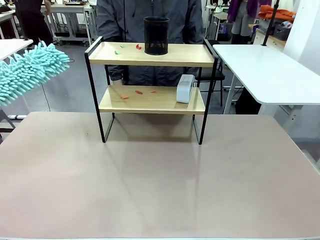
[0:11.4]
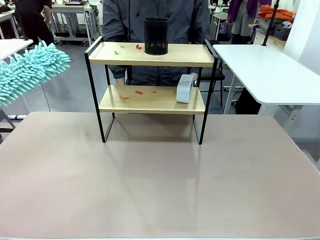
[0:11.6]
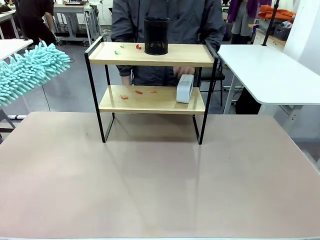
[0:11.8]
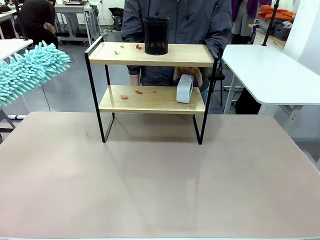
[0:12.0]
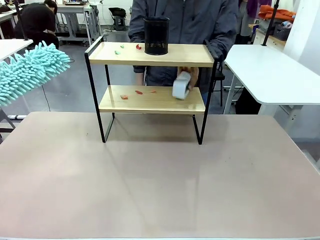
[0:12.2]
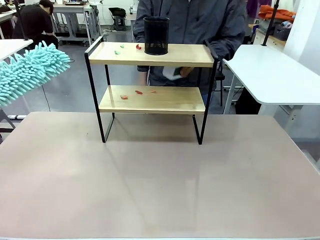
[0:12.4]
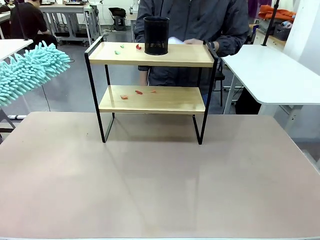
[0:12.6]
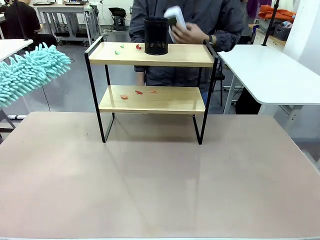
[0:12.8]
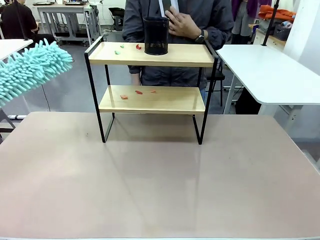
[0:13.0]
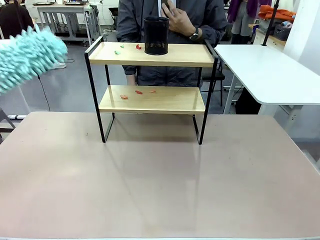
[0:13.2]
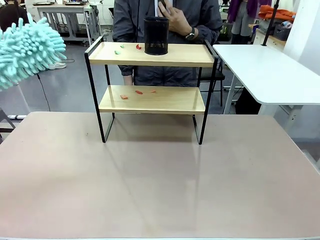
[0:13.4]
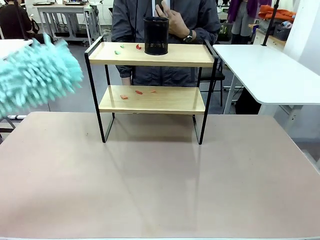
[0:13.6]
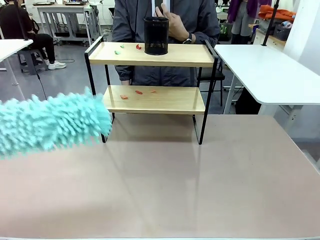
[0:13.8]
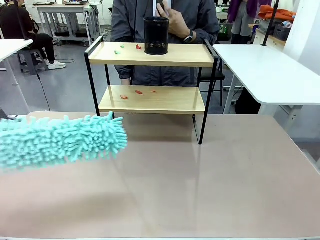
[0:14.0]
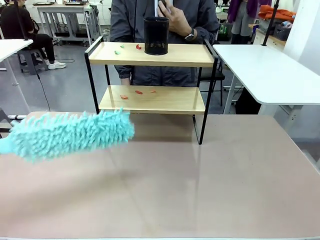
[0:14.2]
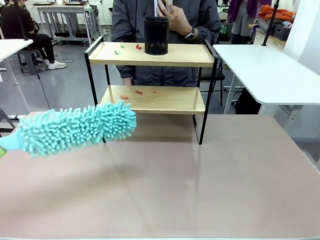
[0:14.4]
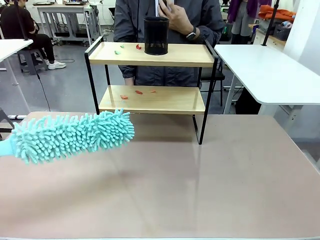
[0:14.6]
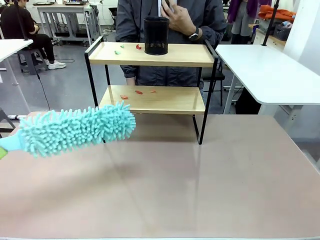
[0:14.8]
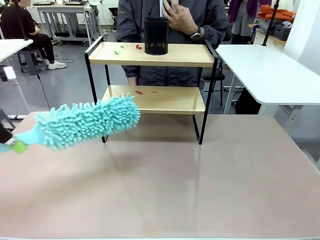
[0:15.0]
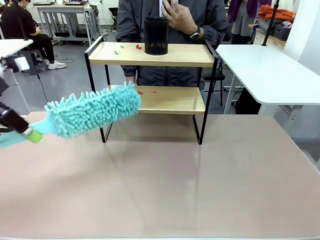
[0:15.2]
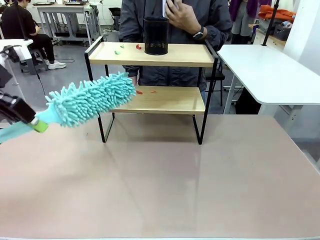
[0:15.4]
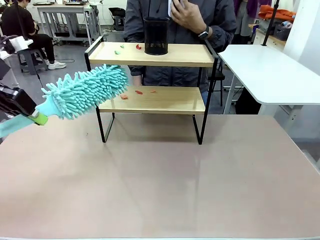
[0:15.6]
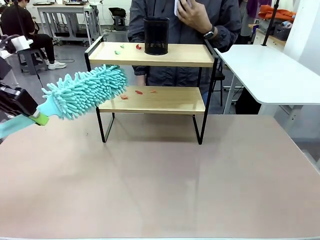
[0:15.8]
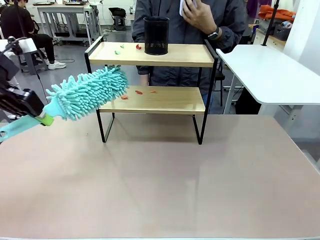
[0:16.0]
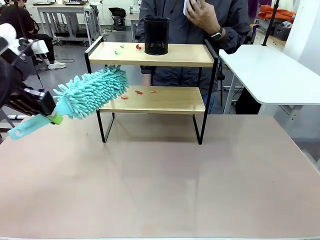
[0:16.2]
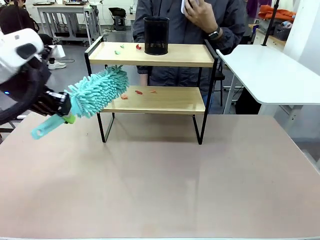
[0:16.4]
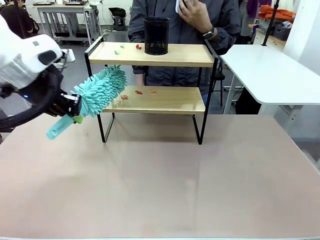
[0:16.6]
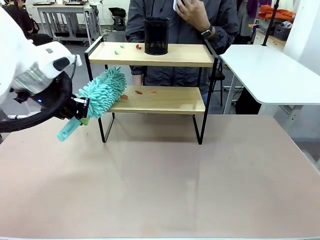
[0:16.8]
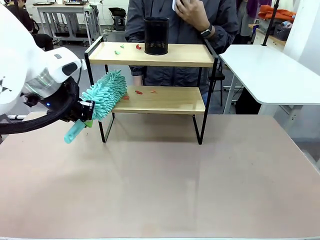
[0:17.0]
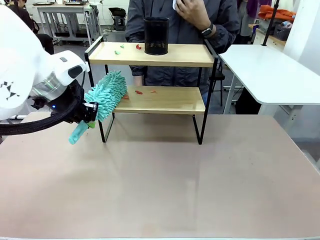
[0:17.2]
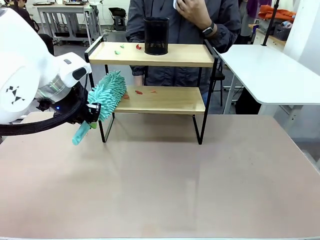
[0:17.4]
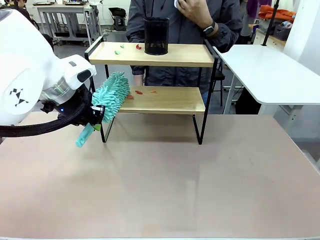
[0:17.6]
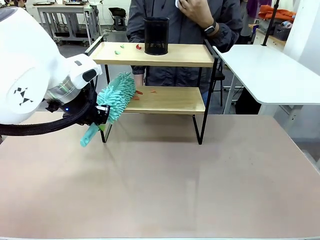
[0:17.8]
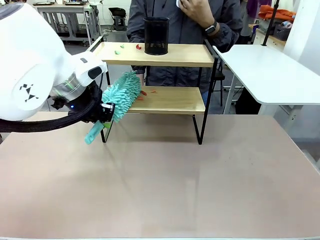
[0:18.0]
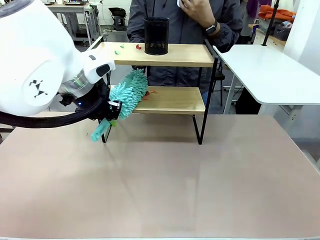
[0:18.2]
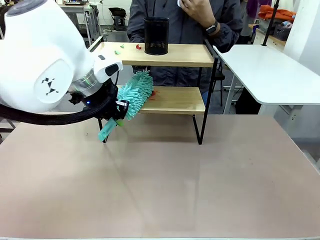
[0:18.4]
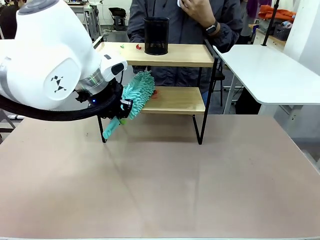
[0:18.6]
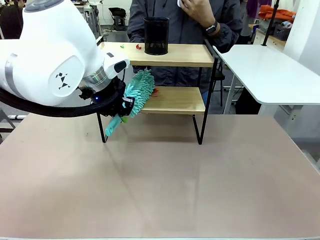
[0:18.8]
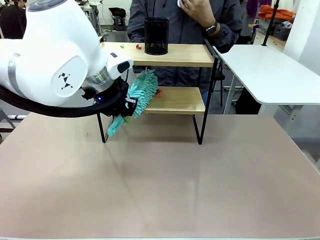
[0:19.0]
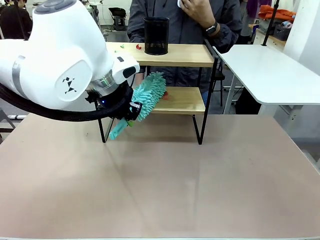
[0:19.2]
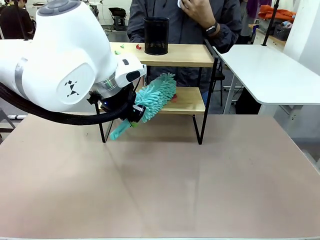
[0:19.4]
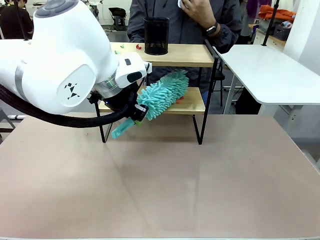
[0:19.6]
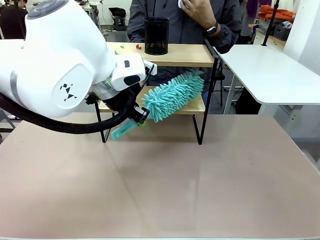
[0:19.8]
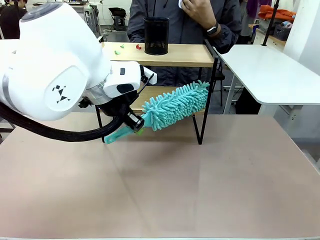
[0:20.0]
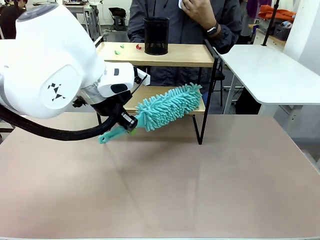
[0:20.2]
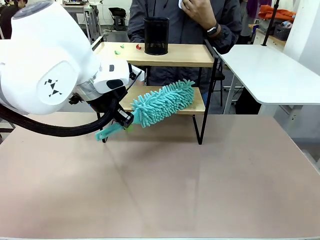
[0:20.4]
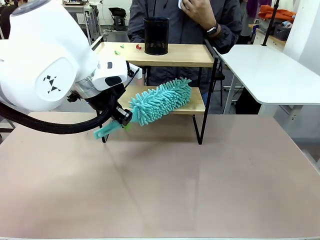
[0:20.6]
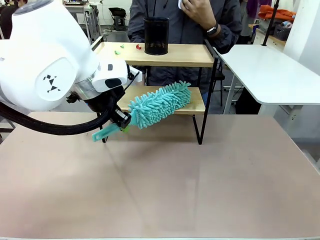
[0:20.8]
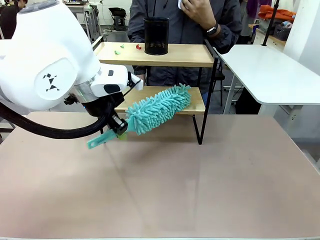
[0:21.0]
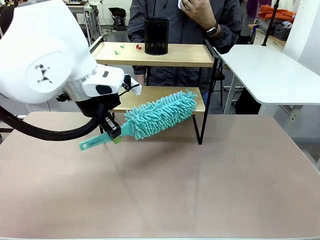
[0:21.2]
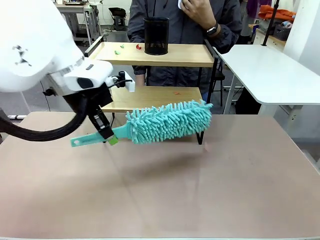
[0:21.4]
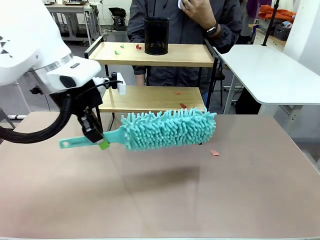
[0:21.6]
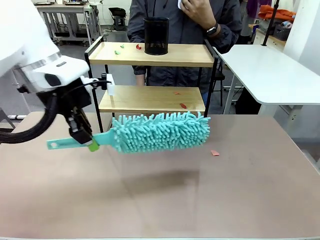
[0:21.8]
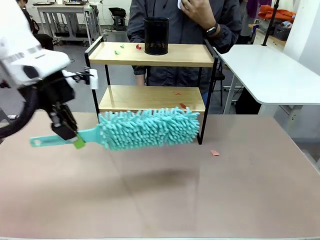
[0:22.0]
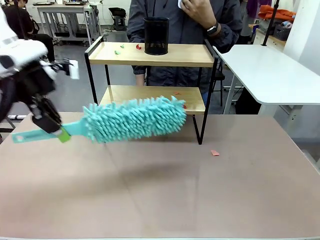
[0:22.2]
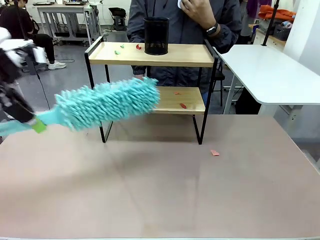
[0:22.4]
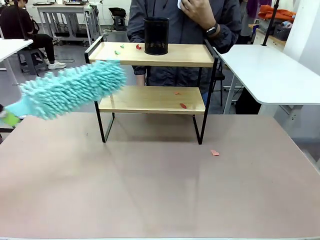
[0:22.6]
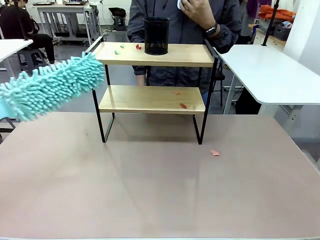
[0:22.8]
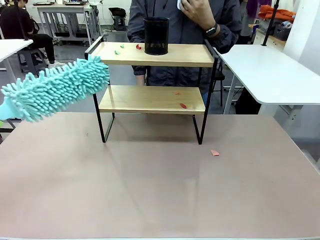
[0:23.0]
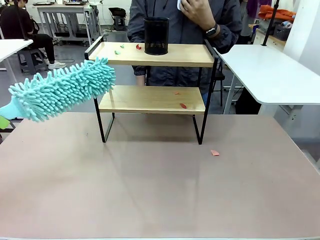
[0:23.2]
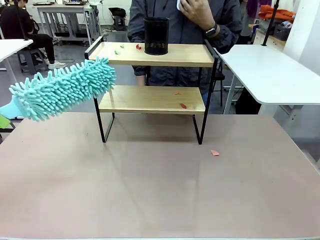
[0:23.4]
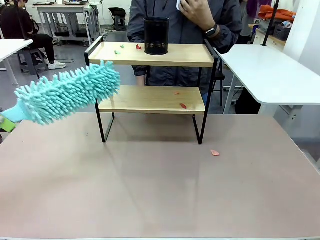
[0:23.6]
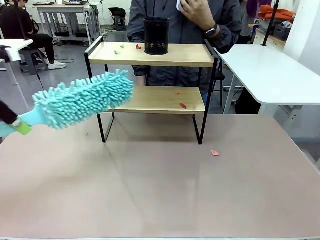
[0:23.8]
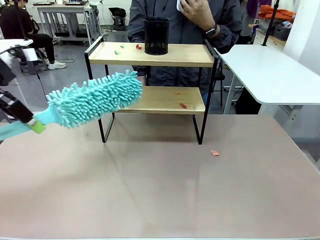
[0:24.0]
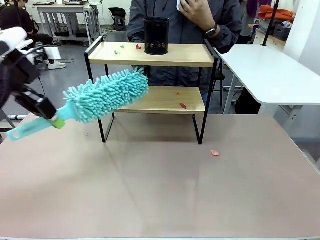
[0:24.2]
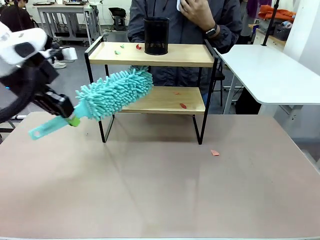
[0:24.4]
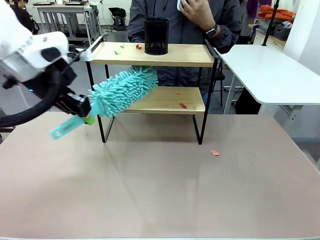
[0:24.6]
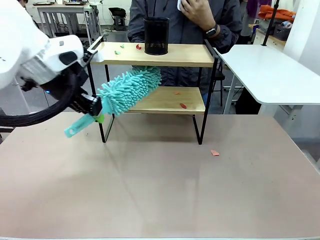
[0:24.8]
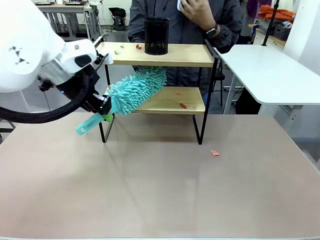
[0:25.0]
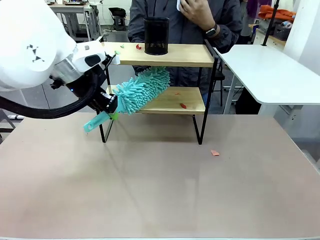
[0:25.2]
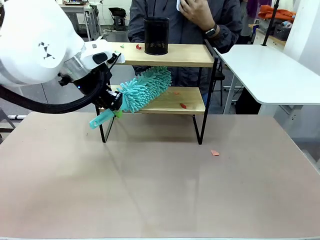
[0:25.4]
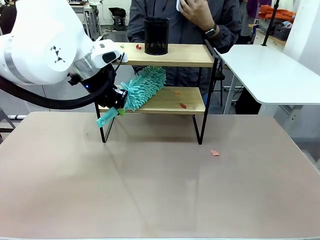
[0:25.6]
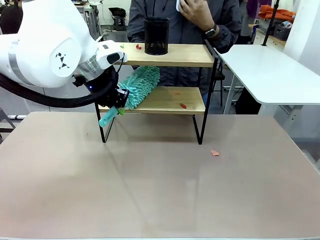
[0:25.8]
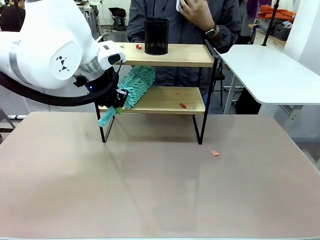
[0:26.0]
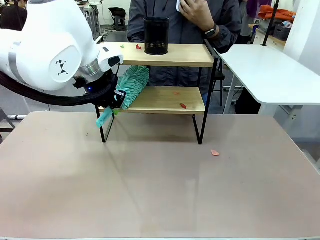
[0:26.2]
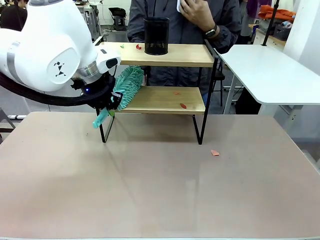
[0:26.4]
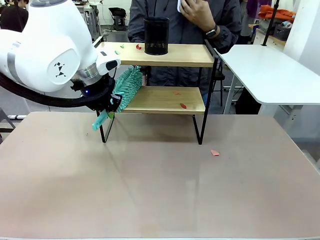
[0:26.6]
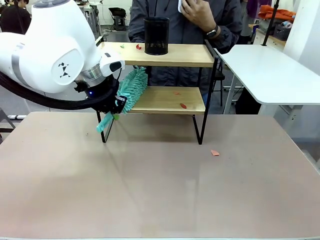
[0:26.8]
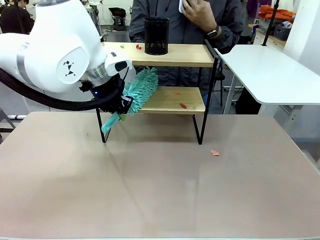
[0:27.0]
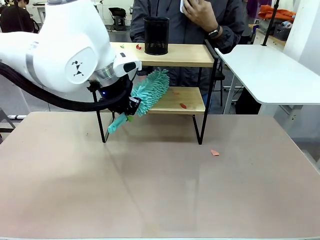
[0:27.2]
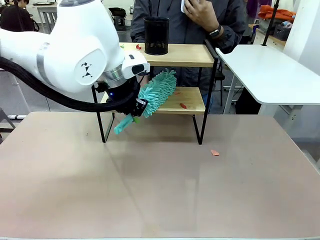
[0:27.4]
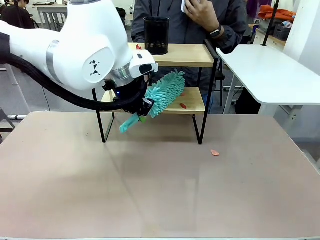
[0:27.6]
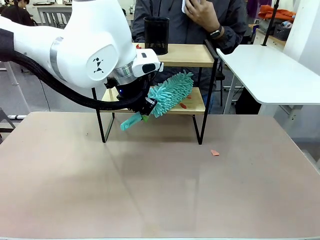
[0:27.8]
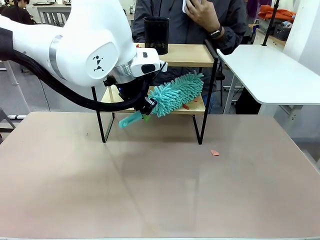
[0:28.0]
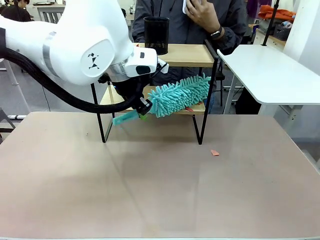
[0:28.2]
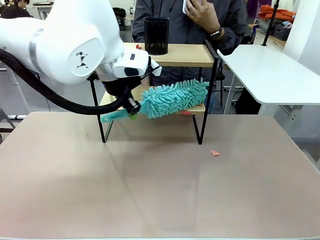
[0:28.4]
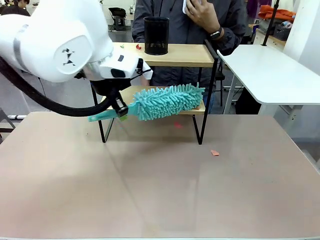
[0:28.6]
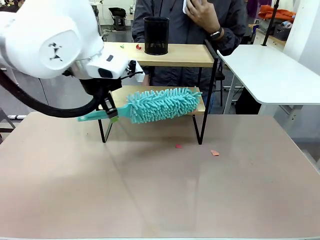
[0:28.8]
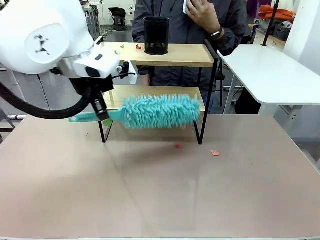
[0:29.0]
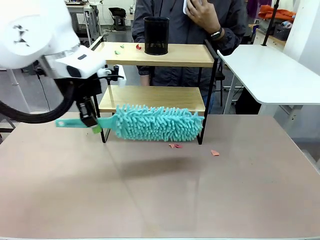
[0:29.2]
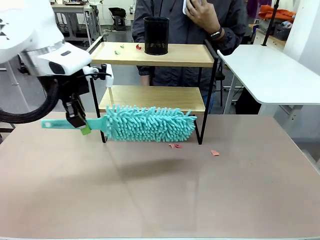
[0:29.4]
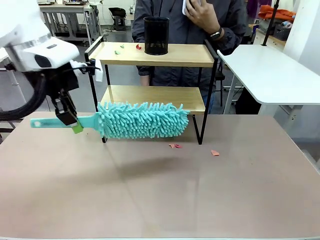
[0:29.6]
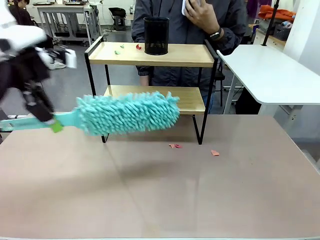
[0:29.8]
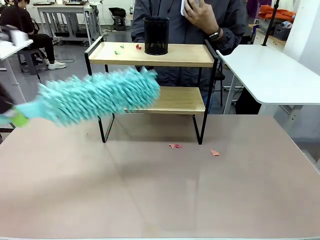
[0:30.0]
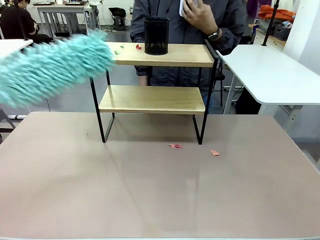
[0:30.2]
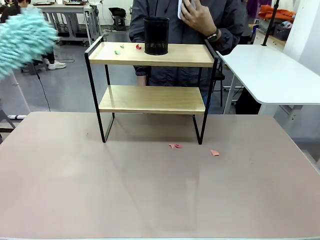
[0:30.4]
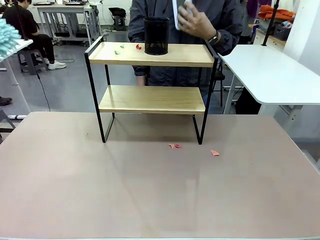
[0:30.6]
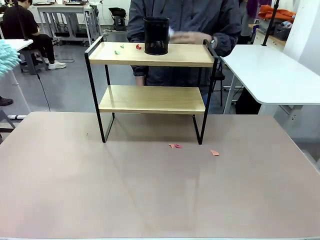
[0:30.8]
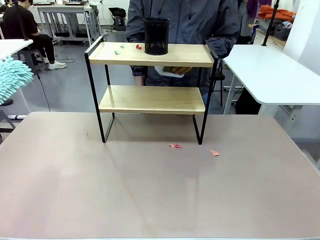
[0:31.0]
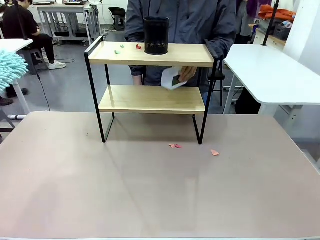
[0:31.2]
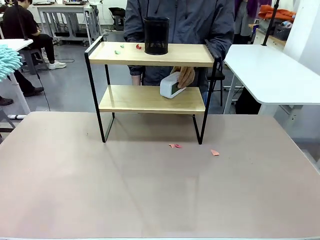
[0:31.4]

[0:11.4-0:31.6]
Task: Clean the shelf.
Robot: Clean the specific tier of the Shelf with the Duster once objects are removed.
Person: Lift the objects on a randomly selected tier of the Shelf. Once the robot finishes cleaning, lift the objects on the remaining tiers of the Shelf.
